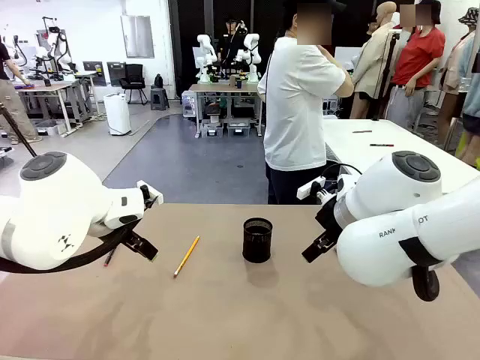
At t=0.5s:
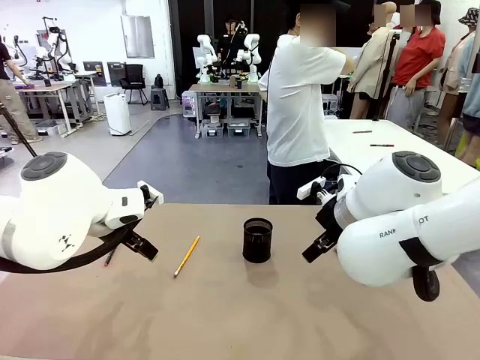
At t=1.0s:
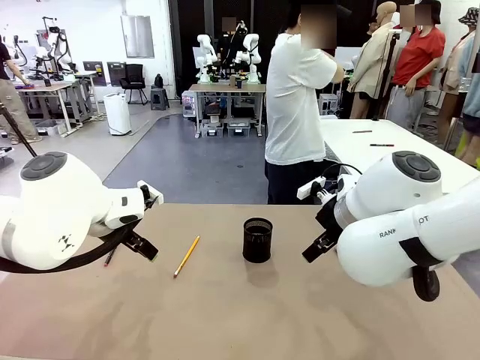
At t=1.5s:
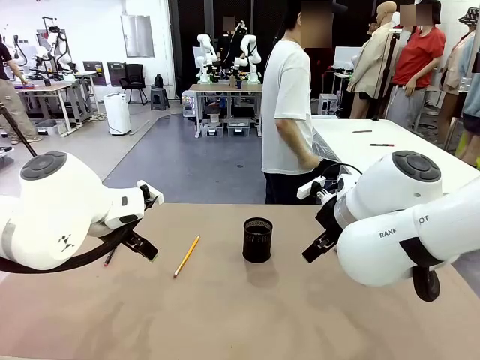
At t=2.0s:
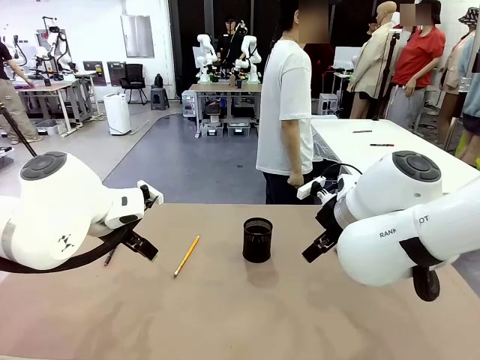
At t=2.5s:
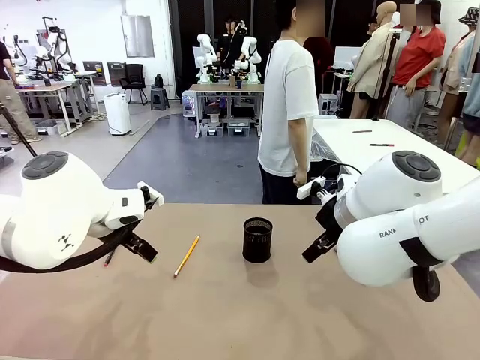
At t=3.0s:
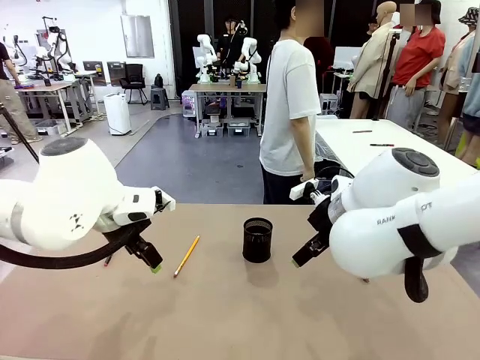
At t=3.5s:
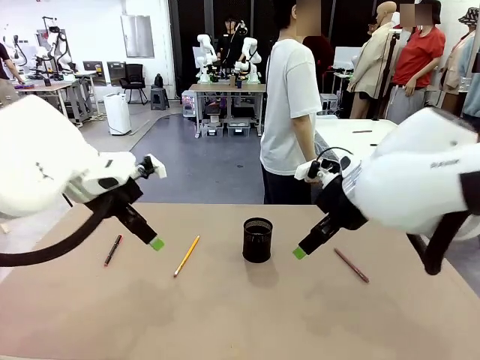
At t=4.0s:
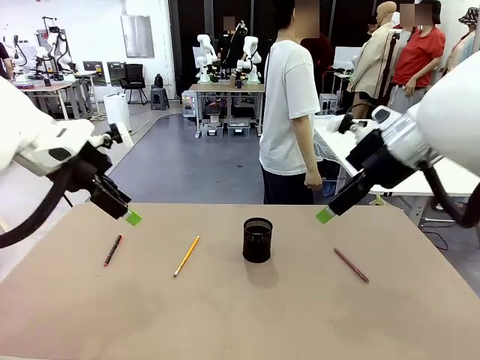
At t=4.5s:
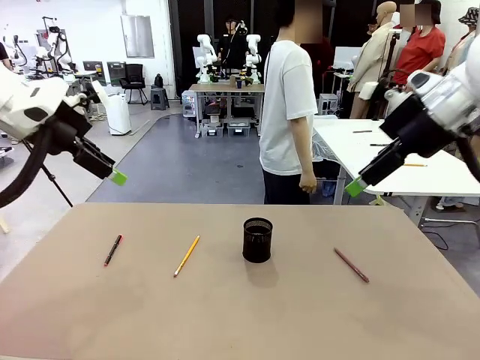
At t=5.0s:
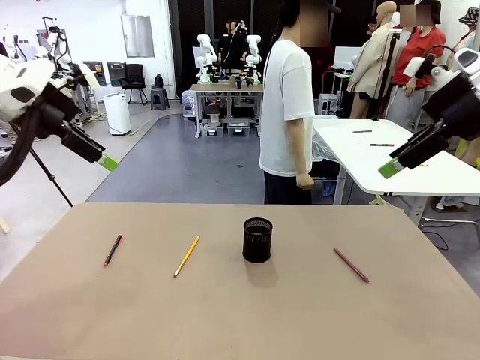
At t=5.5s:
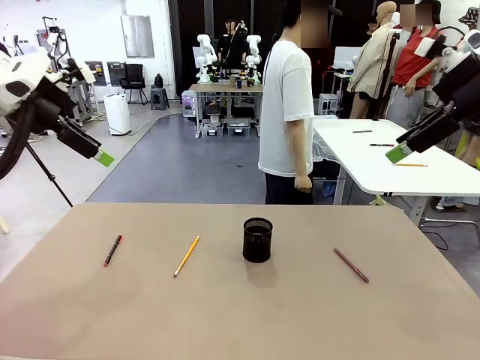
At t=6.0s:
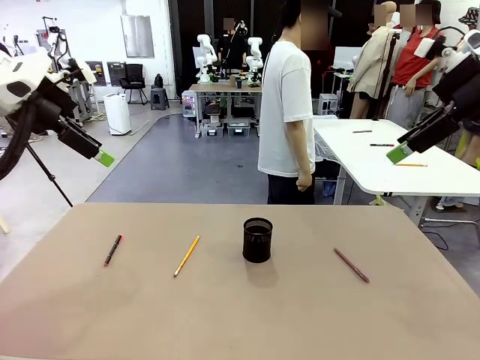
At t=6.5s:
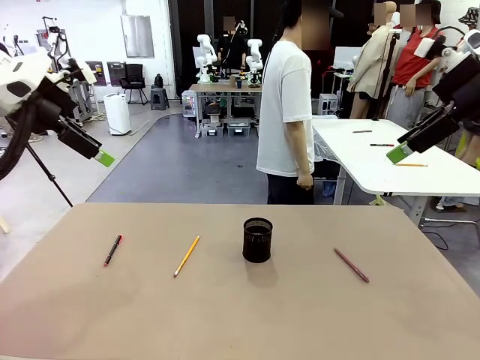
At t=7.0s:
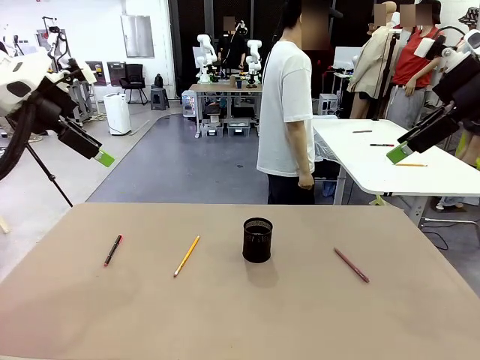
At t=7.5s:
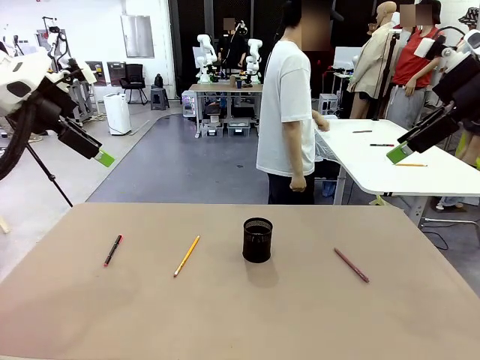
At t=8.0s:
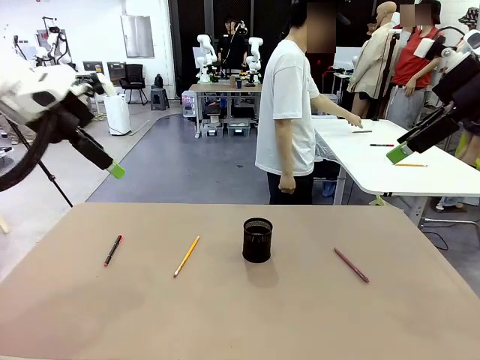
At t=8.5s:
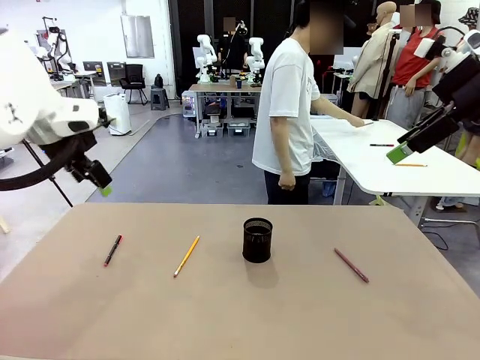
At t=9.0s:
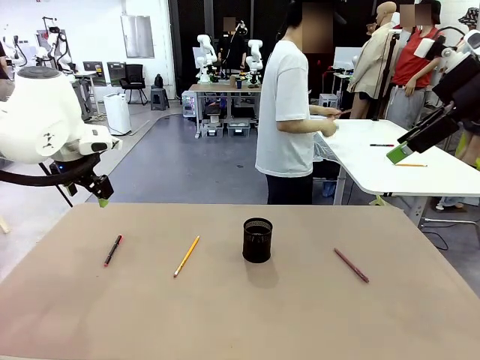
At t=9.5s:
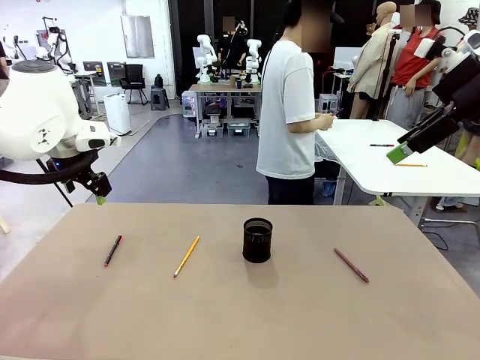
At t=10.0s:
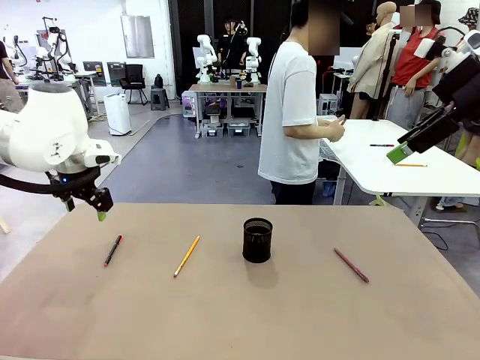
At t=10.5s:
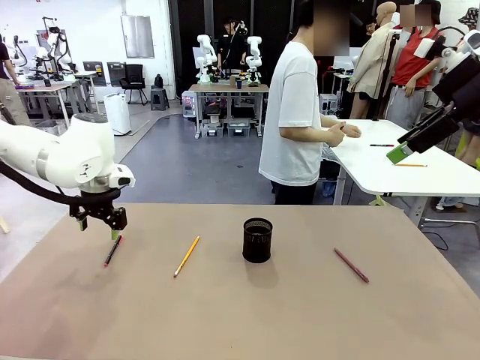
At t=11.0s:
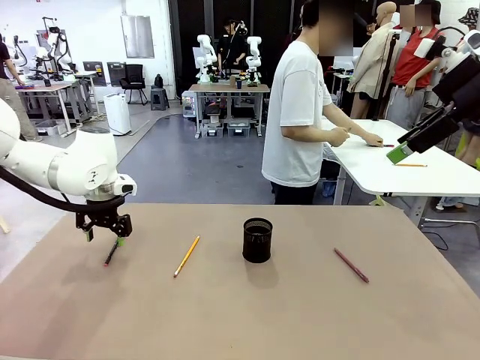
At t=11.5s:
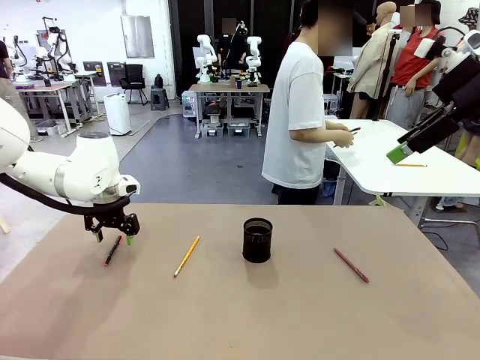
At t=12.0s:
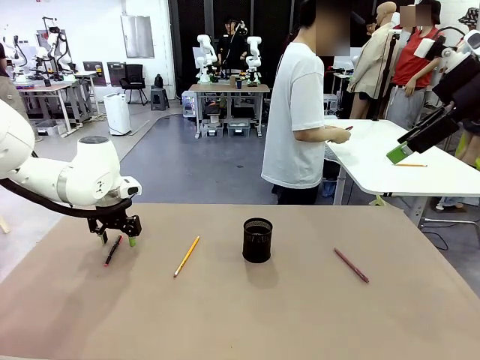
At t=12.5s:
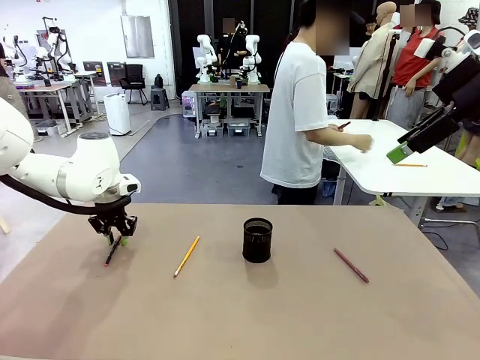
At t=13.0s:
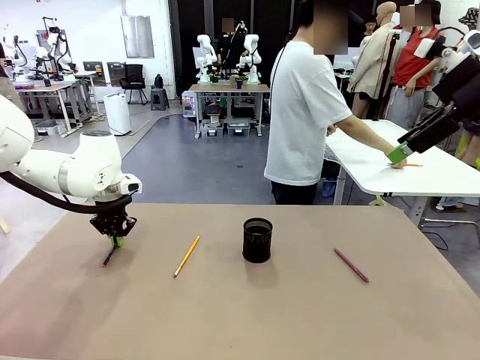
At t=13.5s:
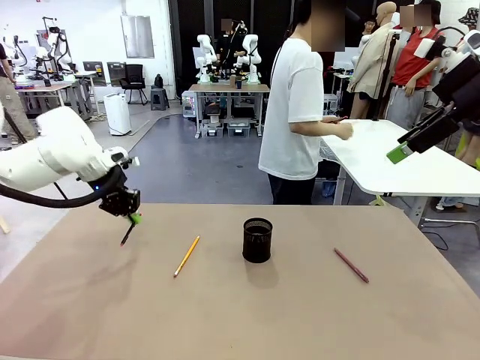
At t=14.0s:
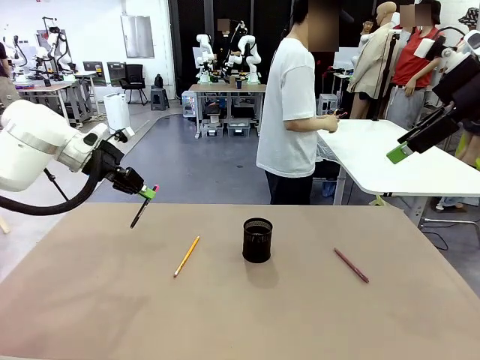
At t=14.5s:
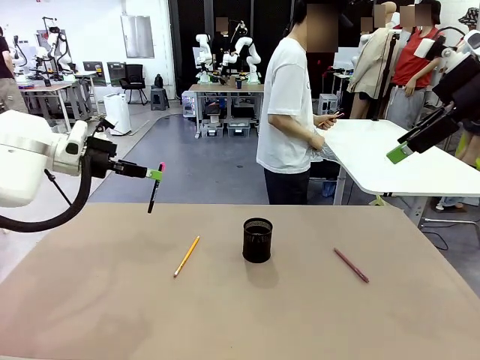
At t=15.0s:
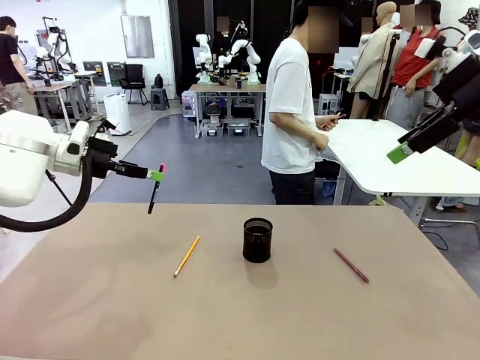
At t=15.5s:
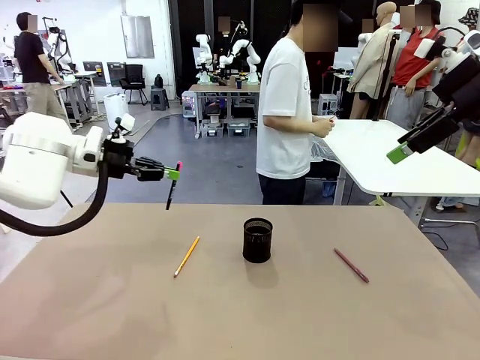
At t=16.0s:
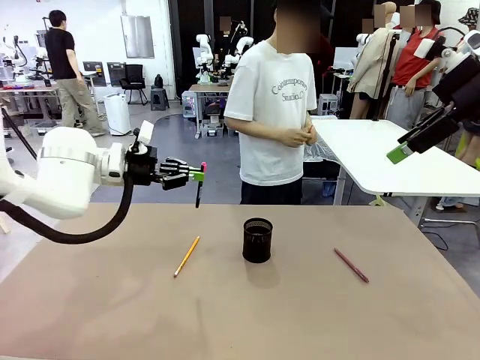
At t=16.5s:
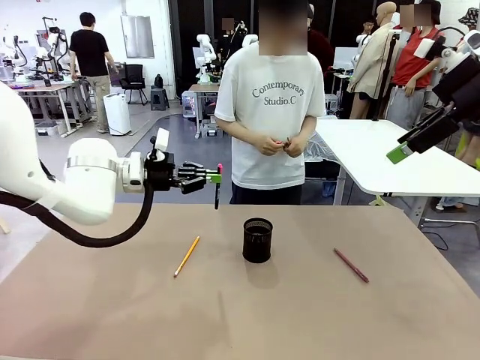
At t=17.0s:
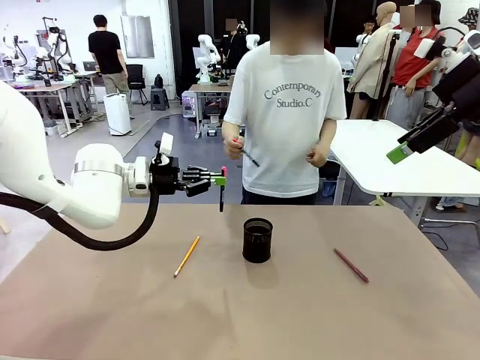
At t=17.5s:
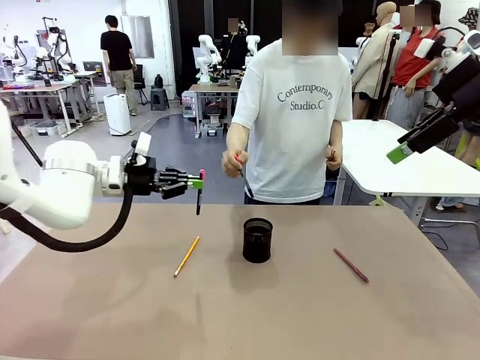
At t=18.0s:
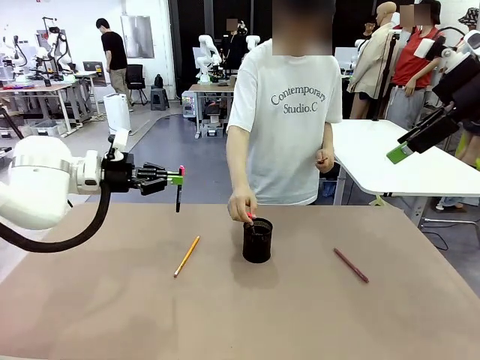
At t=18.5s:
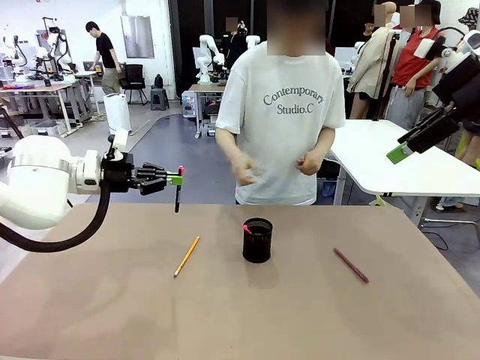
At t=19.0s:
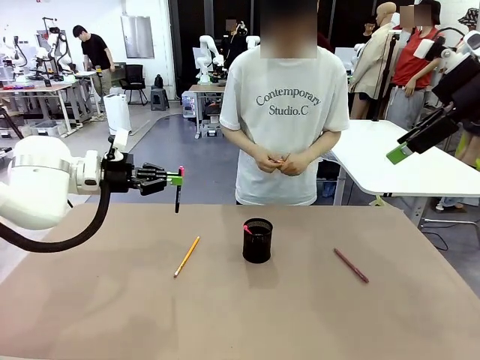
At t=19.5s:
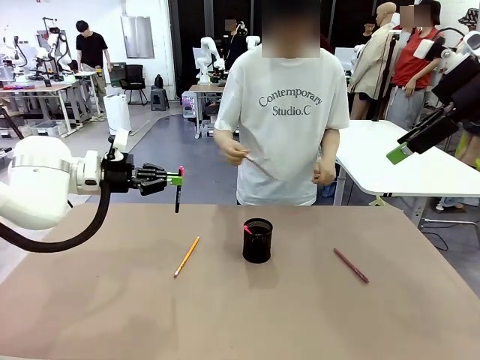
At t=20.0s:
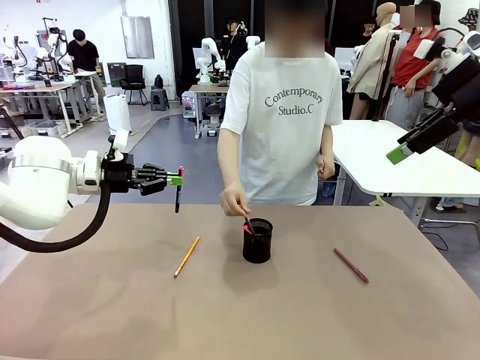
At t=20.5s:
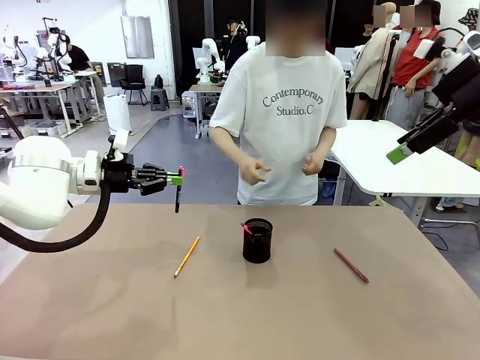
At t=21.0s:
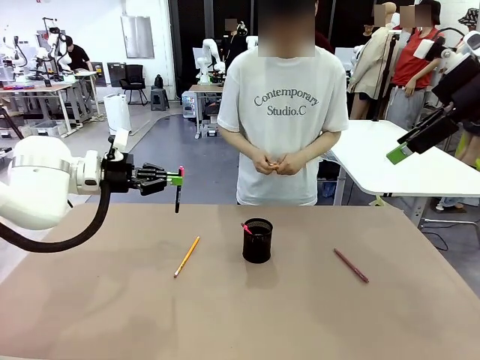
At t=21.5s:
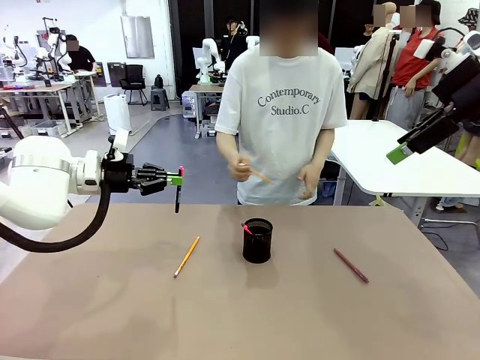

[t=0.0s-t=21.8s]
Task: Place the pens into the pen holder.
Robot: Pick up a writing instrument from the table and place it into the Pen holder.
Person: Pick up all writing instruments from the Human table.
